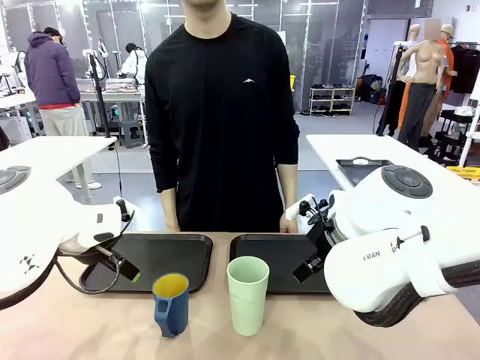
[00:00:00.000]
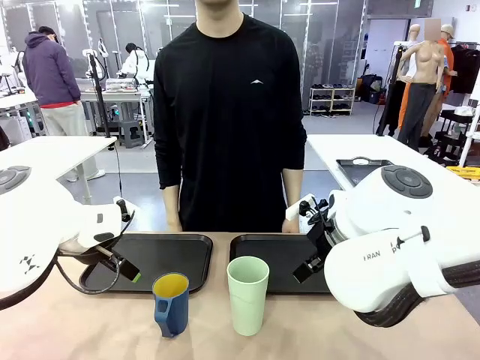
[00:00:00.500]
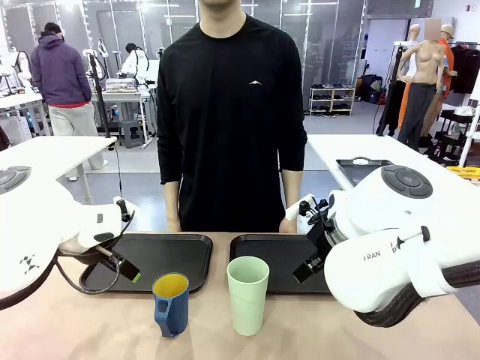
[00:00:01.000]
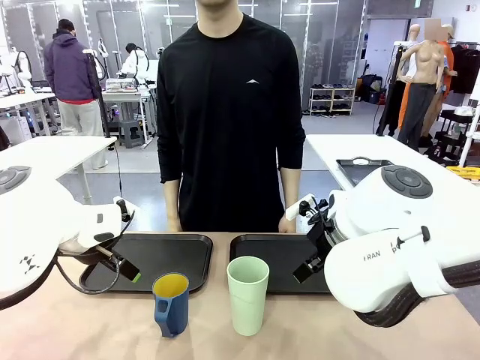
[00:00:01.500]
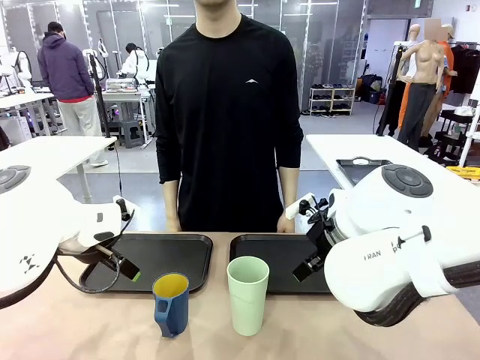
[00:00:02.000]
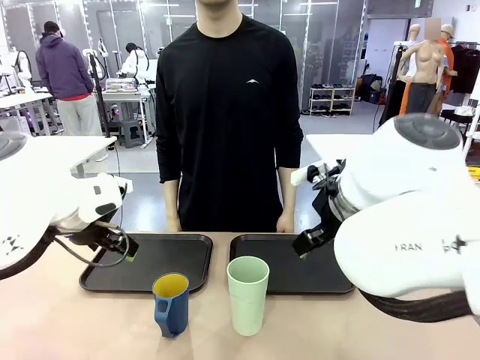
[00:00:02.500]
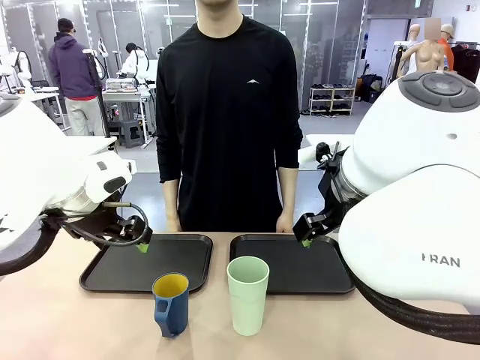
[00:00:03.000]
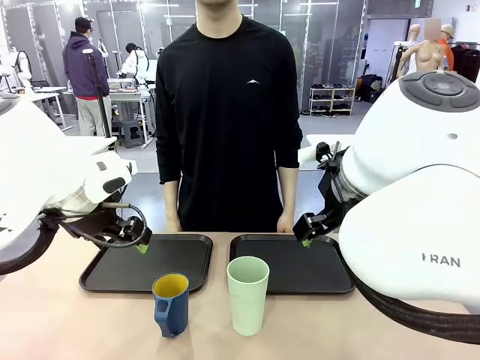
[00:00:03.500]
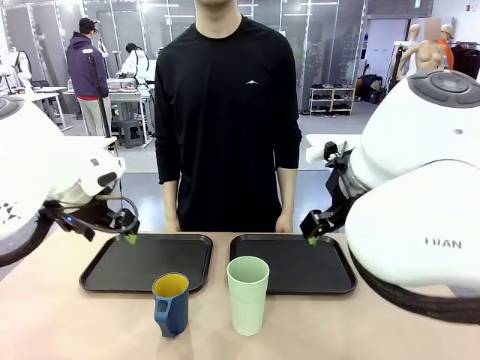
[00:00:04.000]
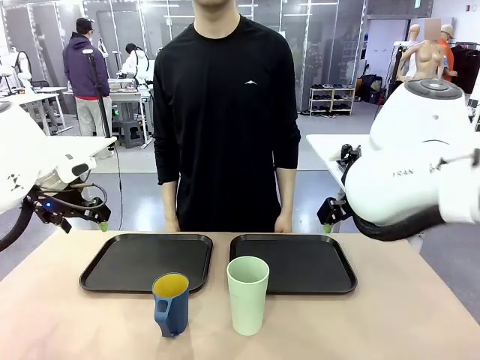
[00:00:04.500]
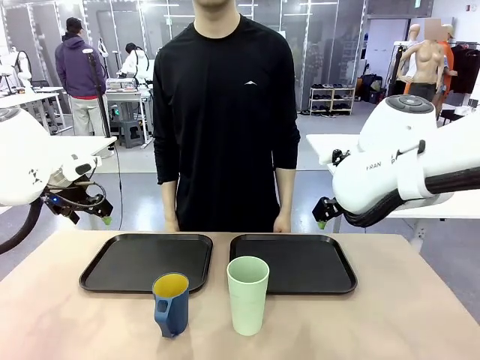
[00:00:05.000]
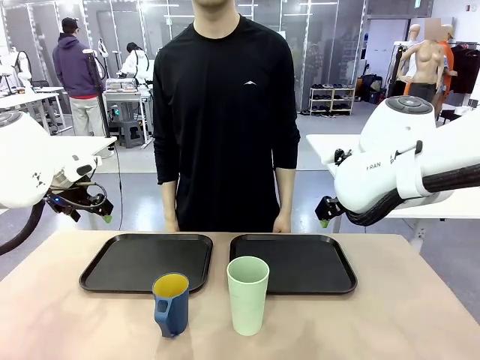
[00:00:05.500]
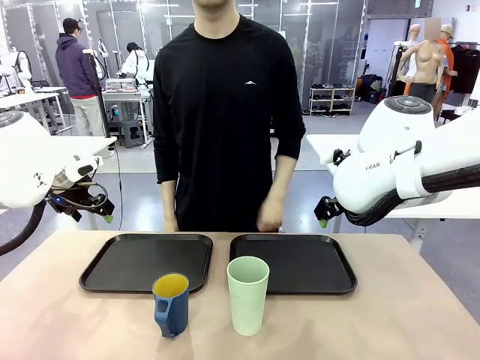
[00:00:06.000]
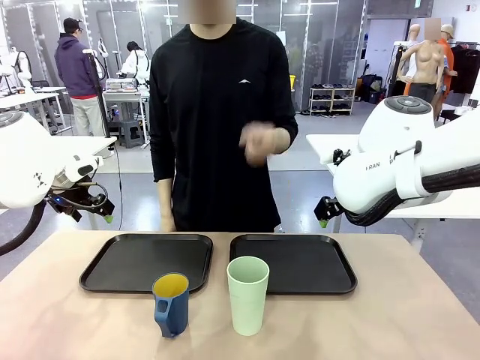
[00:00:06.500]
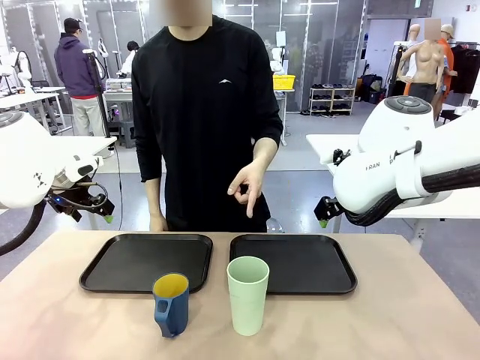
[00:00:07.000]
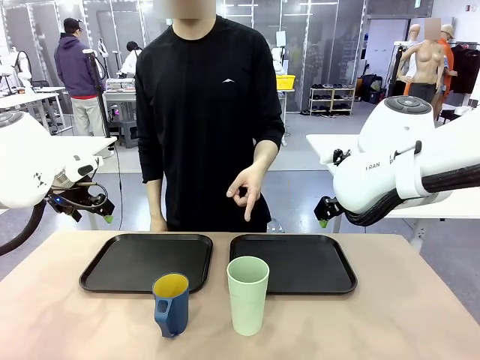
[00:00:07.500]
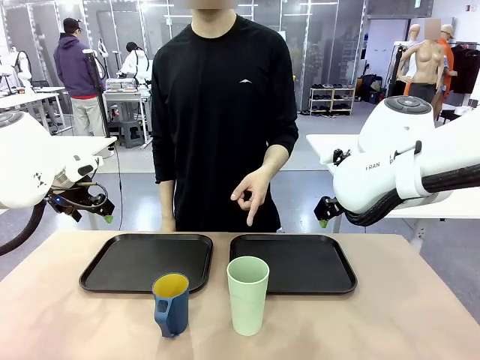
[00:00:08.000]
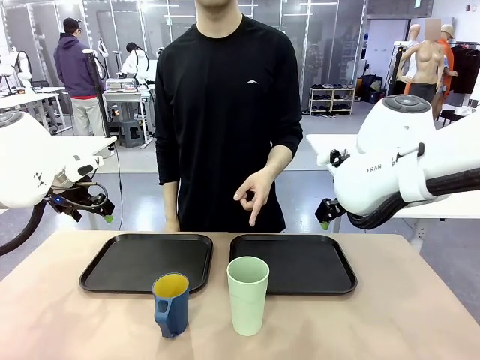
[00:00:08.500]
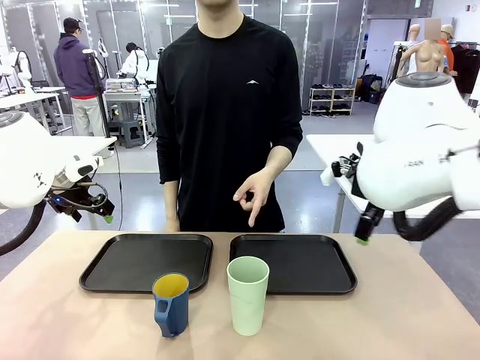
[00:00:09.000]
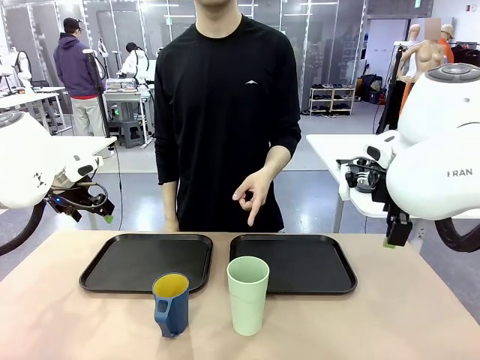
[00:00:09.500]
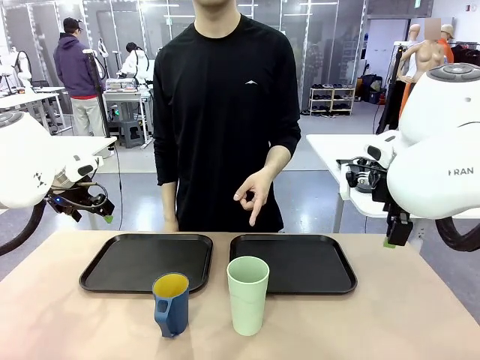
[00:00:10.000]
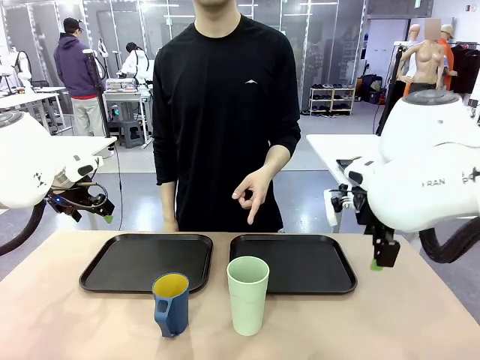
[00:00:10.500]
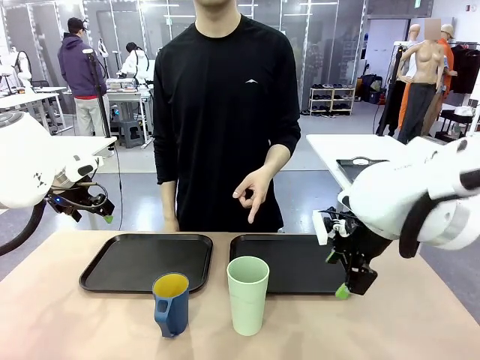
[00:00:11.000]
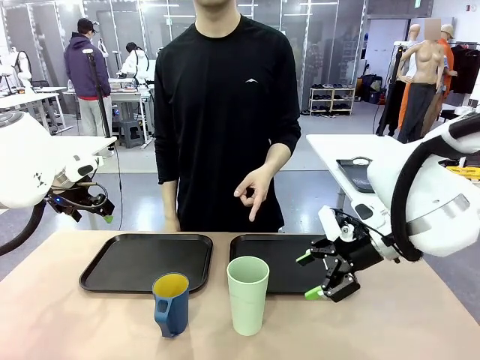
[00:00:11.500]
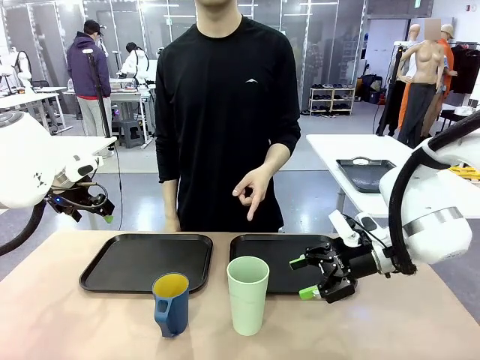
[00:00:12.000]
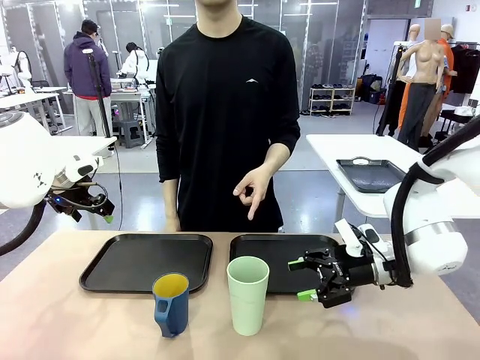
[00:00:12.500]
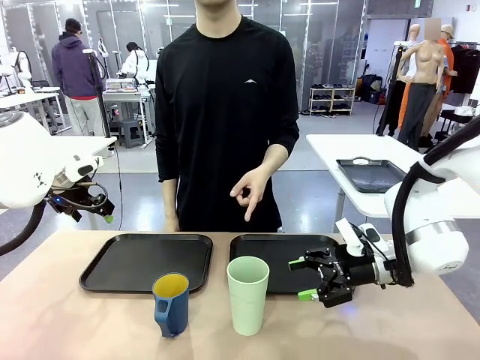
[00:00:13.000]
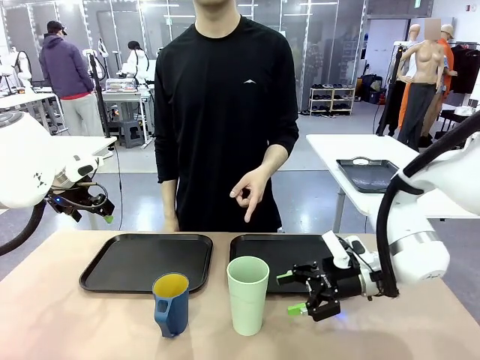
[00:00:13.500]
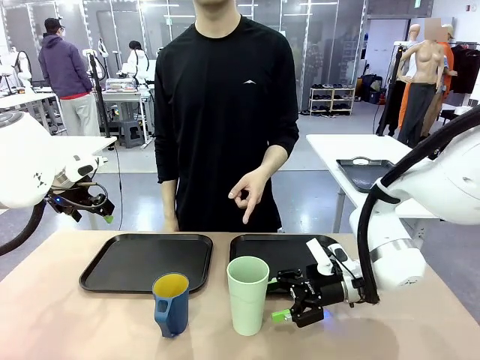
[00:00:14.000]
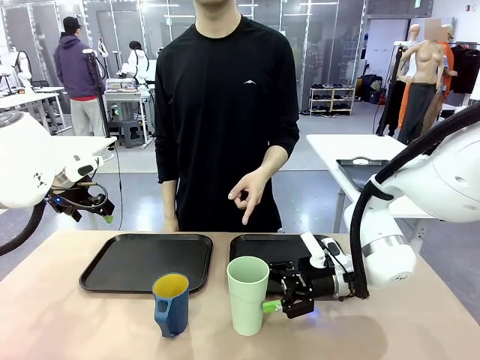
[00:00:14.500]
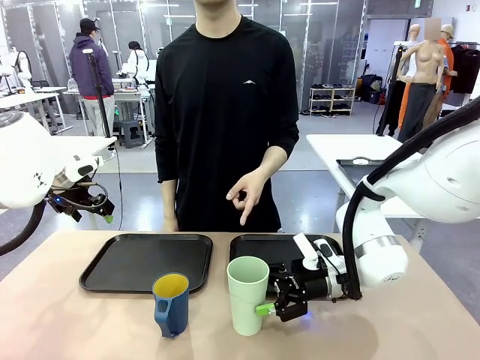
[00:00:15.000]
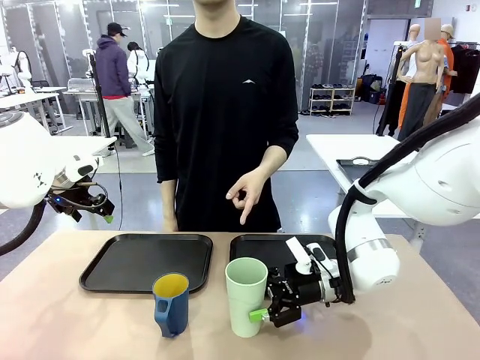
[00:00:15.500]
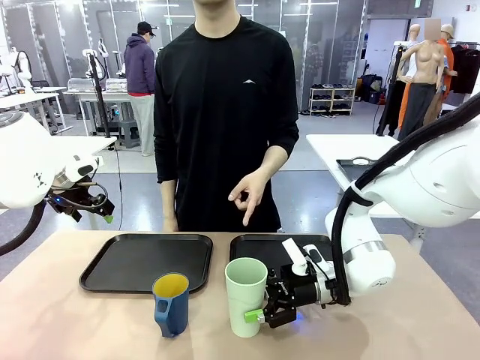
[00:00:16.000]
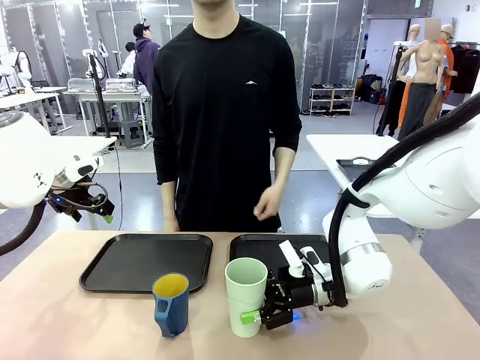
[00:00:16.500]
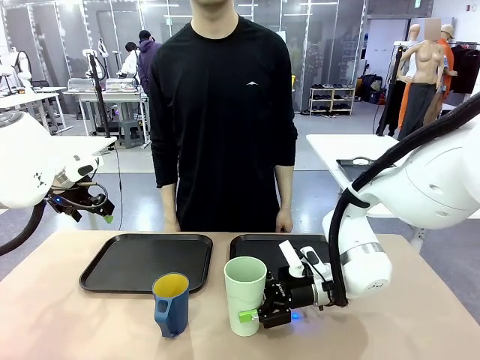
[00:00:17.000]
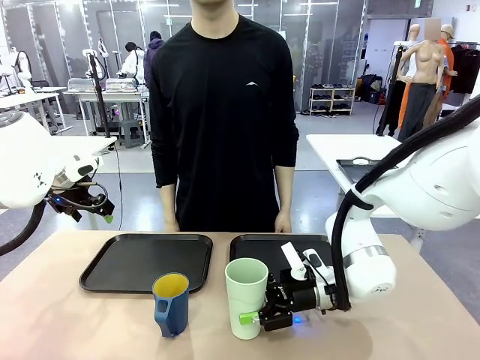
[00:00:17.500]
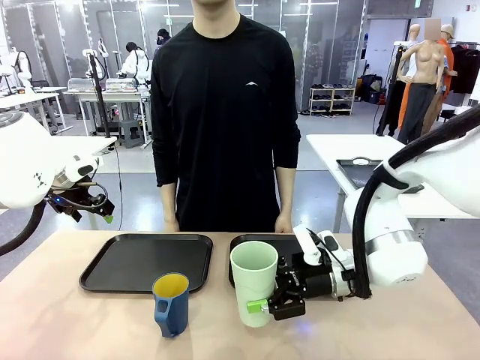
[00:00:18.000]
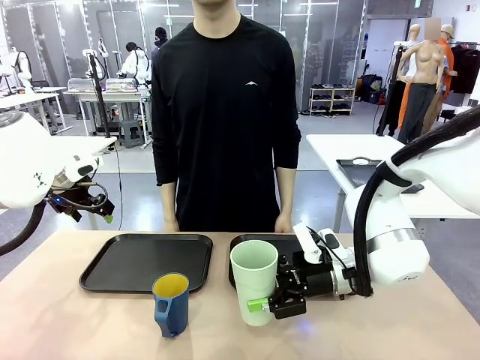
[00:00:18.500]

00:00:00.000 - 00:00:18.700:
Task: Sort and store the cups by type.
Robot: Pick up the Reusable plastic cup.
Person: Points to the reusable cup. Point to one of the two trays.

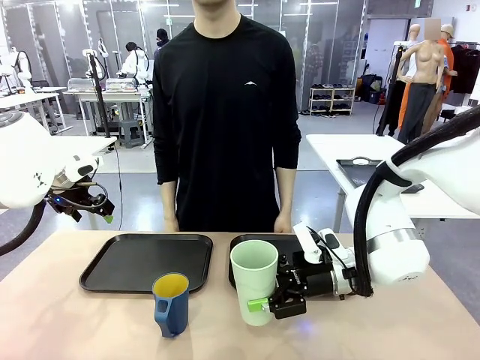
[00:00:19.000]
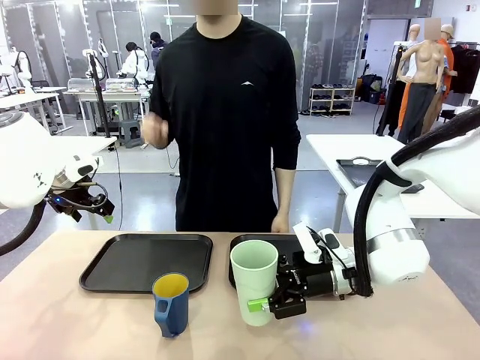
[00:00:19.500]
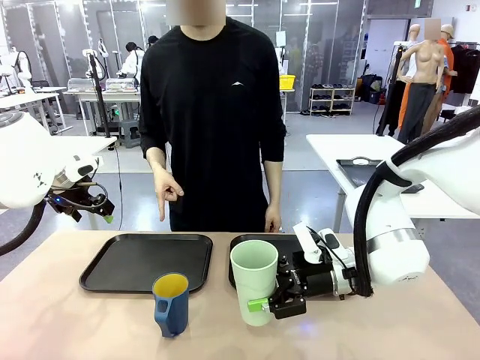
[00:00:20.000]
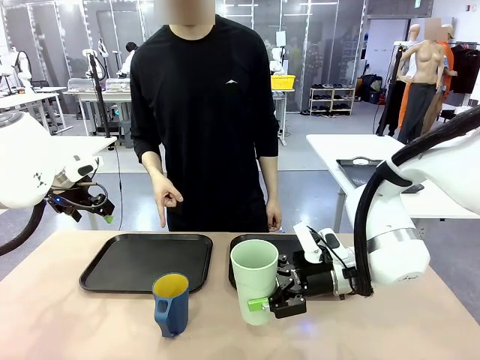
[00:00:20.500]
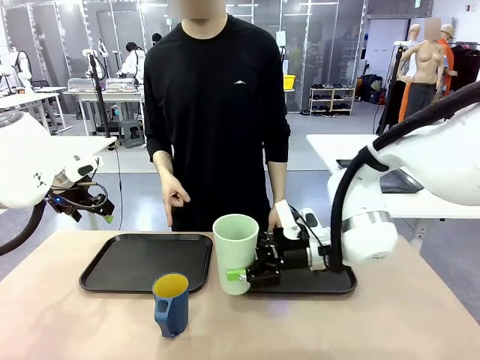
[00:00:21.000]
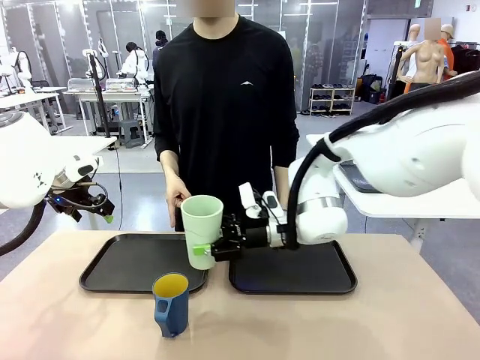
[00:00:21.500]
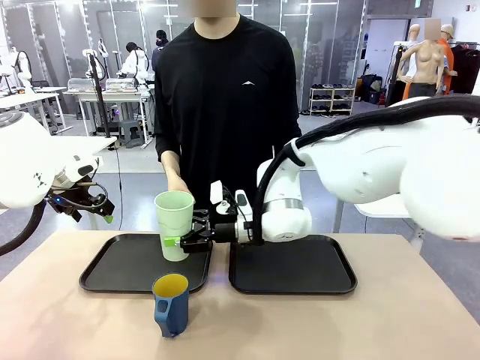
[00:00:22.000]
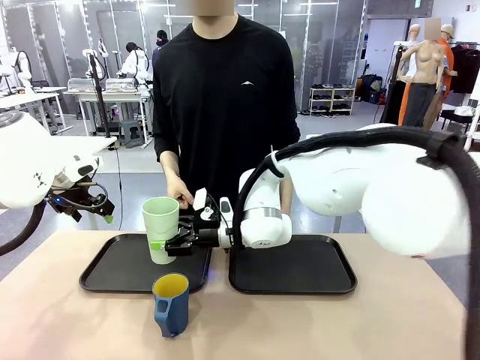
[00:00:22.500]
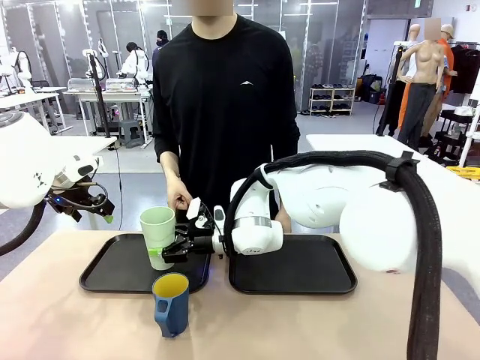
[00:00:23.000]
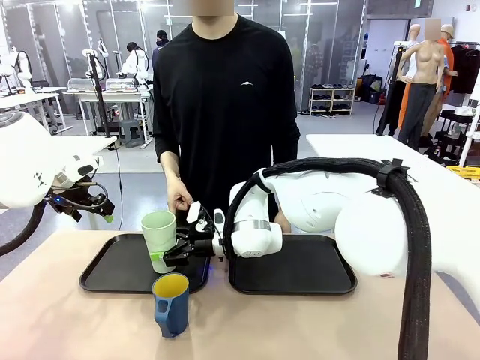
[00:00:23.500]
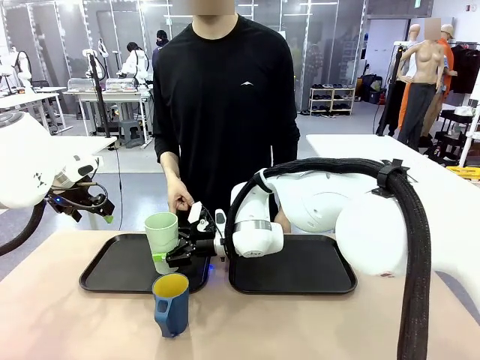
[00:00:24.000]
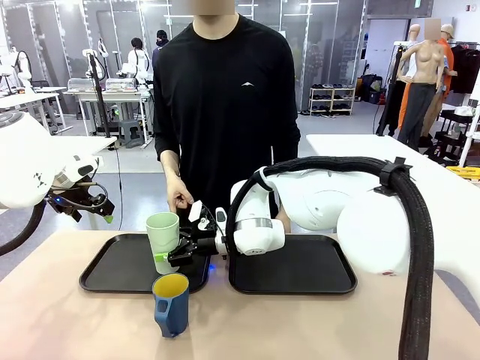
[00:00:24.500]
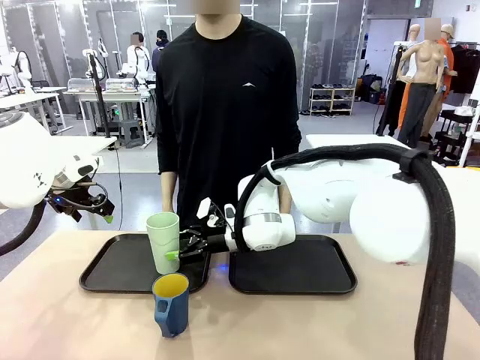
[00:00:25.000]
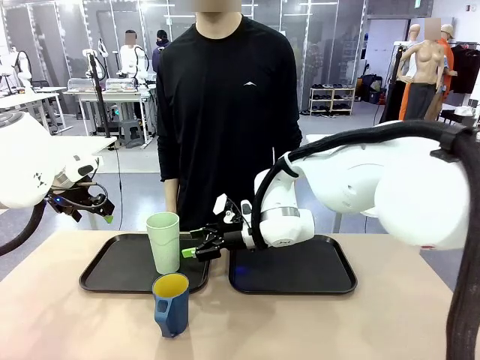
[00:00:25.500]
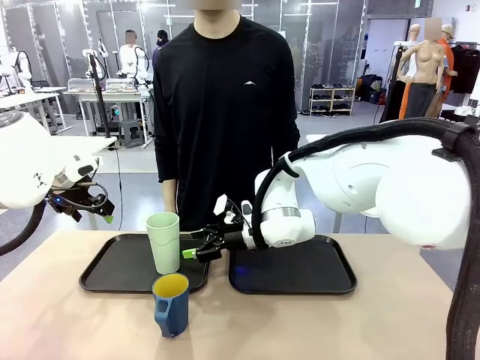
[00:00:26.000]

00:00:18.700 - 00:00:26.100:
Robot: Place the picked Reusable plastic cup into the Flat Tray indicated by the person.
